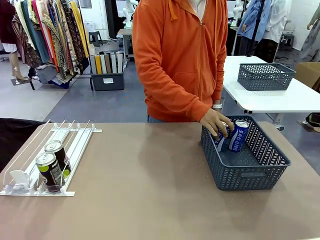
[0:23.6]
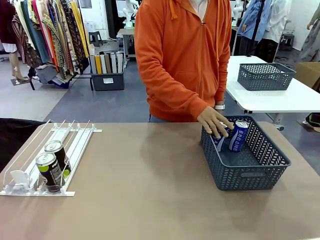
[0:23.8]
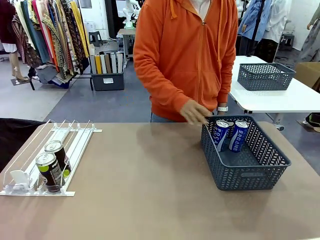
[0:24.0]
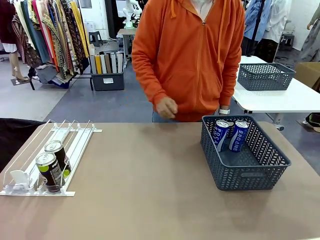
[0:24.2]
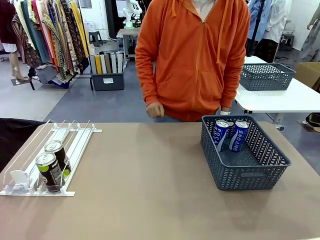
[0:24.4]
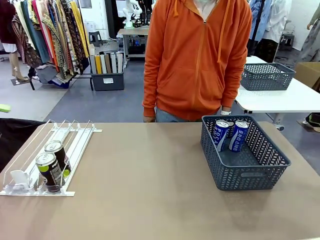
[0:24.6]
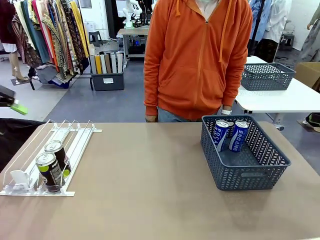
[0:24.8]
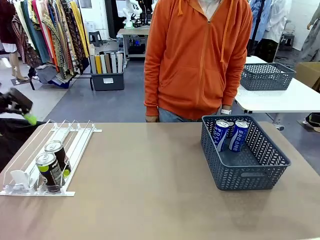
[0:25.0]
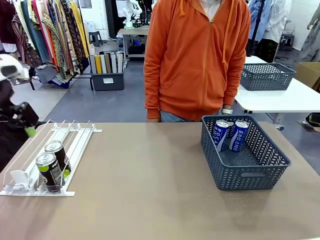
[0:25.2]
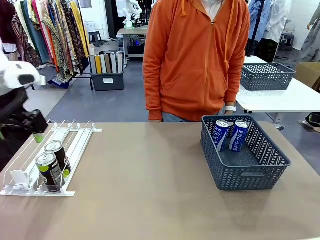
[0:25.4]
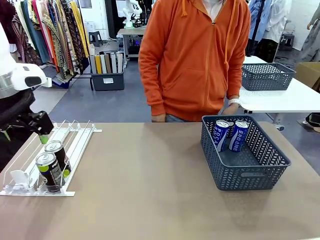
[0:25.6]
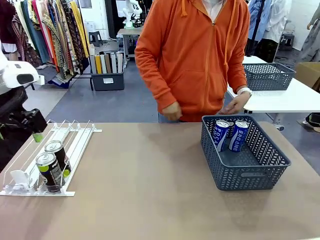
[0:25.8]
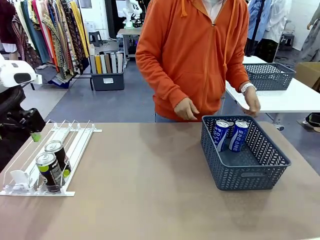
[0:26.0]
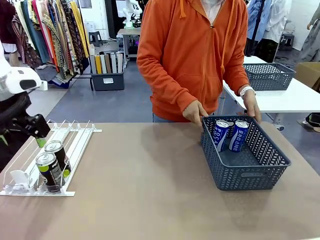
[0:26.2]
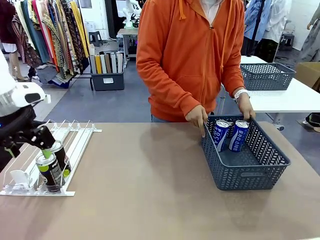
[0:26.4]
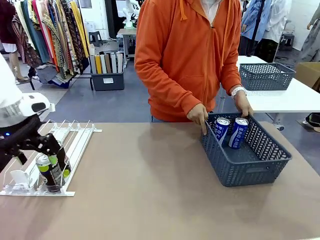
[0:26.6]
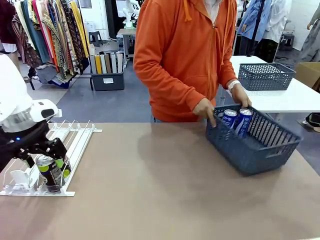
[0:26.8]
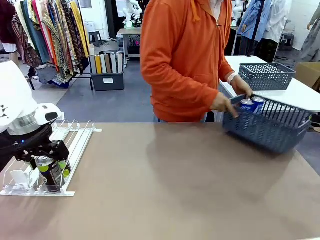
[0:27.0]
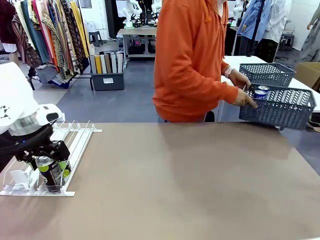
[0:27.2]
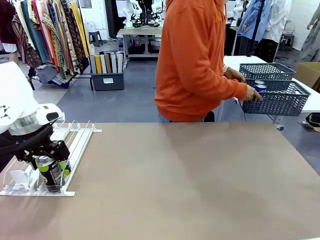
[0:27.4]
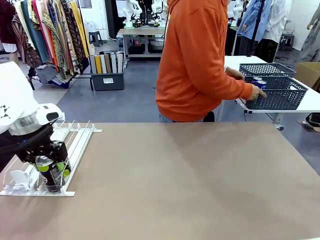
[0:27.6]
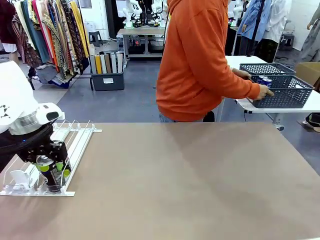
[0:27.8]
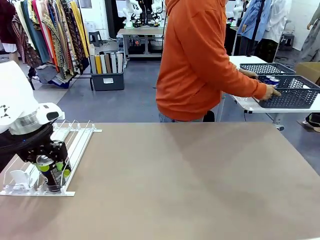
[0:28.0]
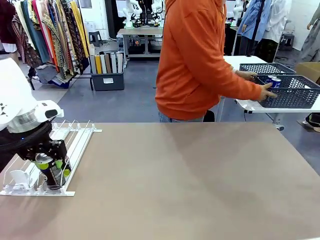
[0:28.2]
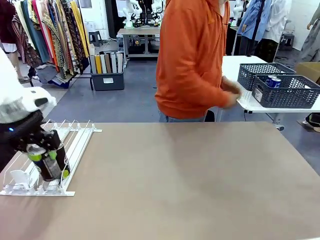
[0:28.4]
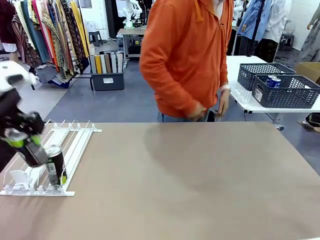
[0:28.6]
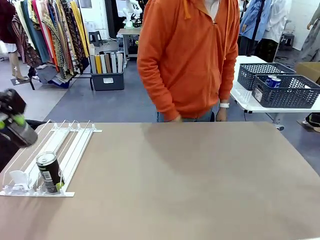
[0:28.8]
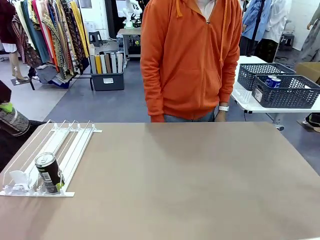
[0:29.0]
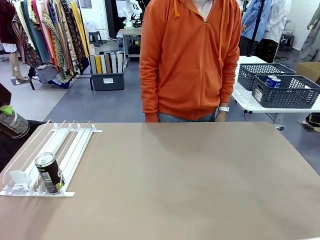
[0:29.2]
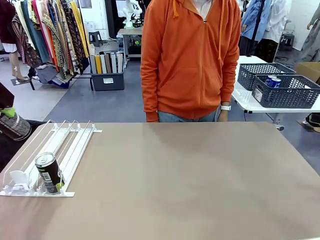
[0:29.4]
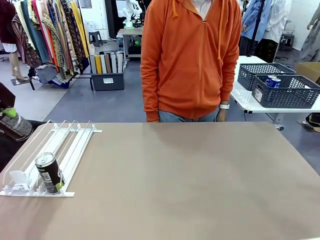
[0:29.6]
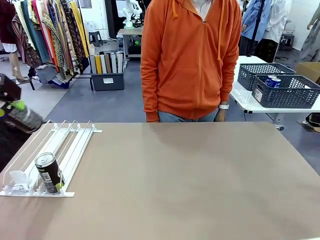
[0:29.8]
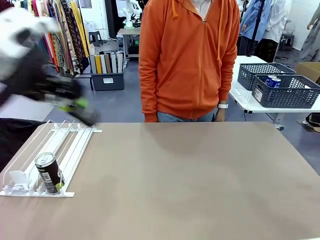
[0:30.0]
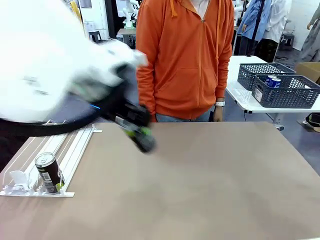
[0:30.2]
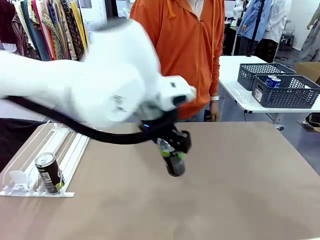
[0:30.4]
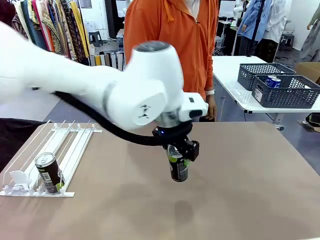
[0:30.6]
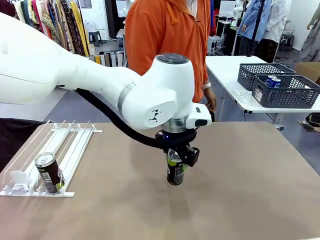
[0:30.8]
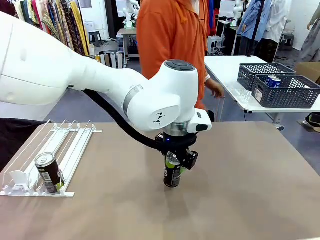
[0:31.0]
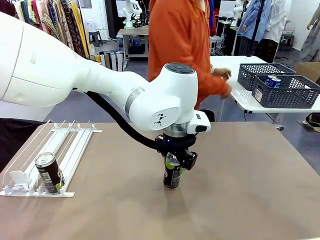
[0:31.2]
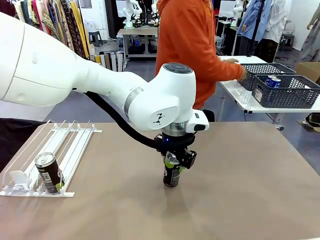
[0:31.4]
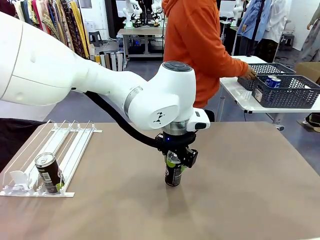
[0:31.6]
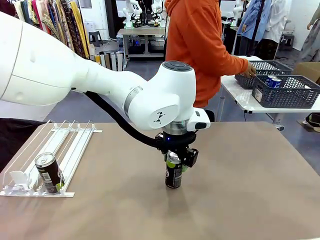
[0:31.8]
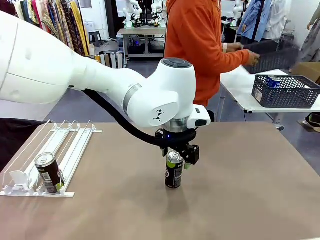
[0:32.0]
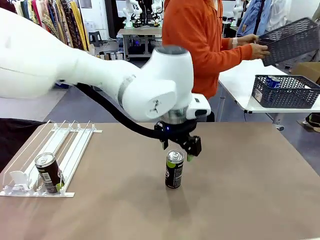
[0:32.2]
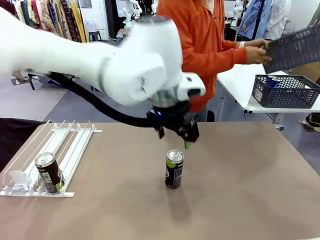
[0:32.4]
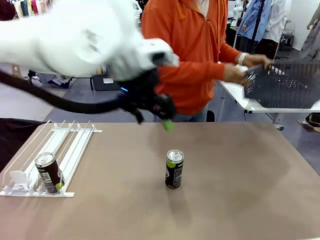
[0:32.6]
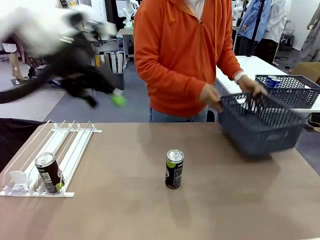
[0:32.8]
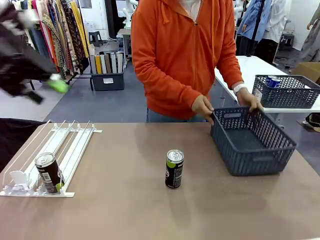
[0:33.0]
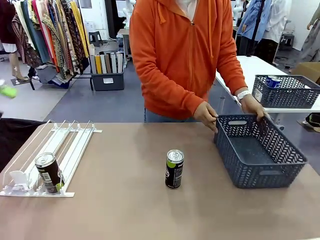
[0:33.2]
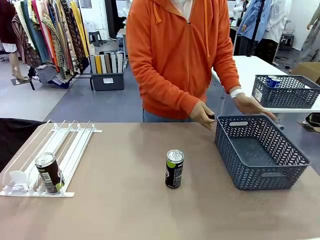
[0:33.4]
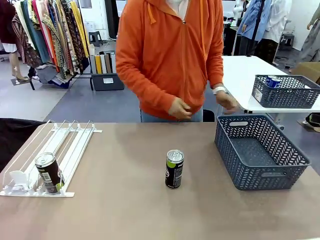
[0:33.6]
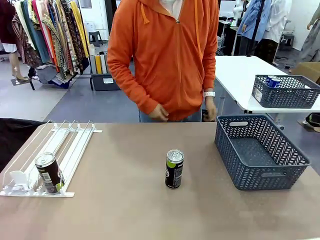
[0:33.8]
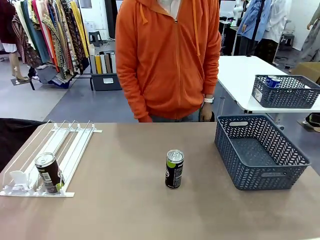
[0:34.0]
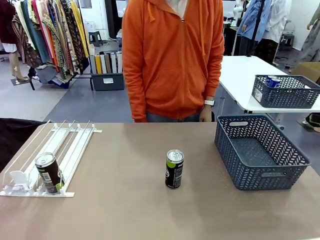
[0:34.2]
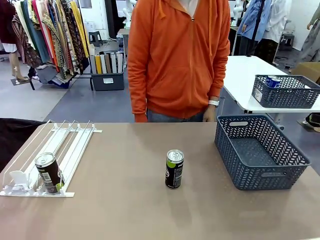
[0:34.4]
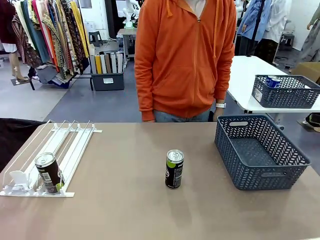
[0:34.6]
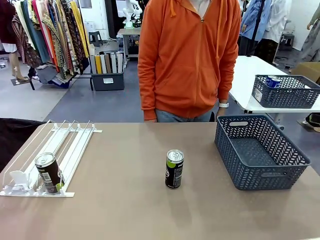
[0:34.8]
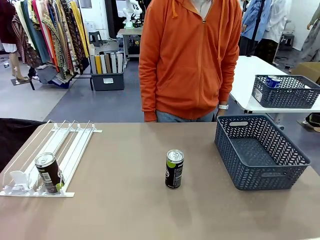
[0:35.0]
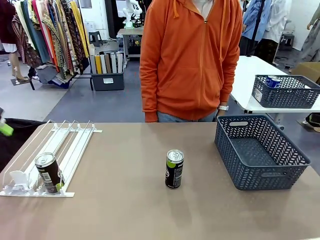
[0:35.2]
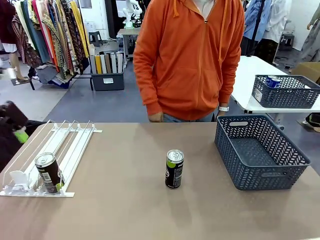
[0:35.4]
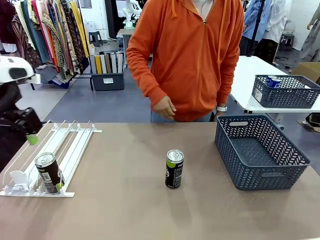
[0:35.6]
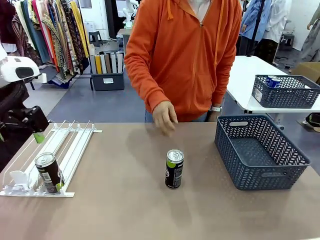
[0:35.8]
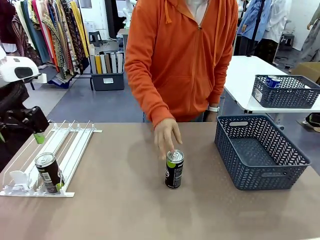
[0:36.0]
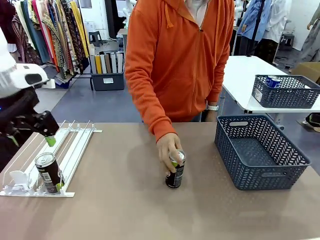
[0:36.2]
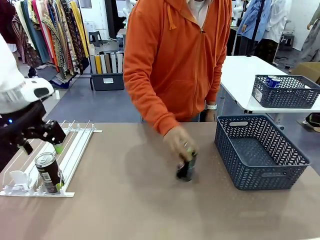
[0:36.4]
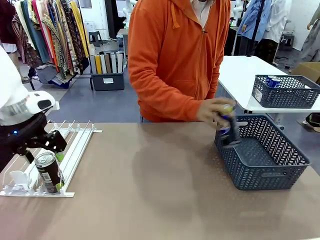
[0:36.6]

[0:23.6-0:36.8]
Task: Retrieve and store the cans from the dispenser.
Robot: Pick up one can from the Automatic Can Dispenser and place it in the middle of the table.
Person: Pick up the basket and place it in the middle of the human table. Pick up the empty basket and place it on the left side of the robot table.
